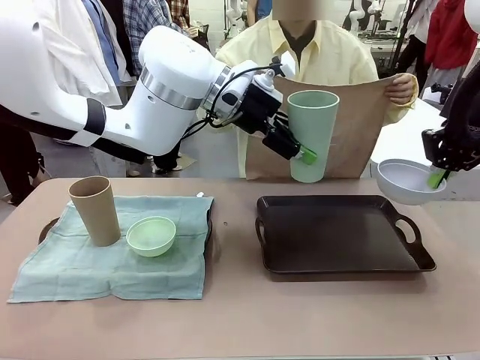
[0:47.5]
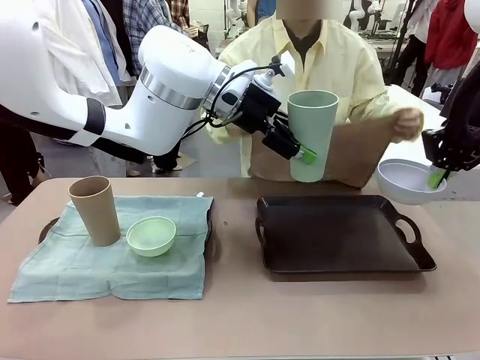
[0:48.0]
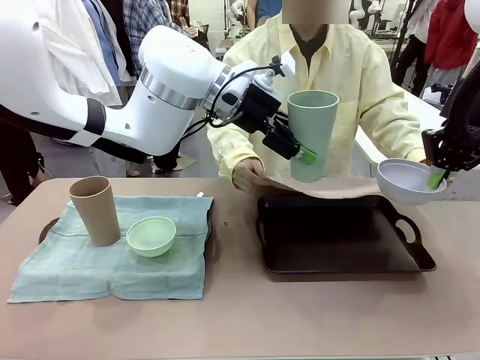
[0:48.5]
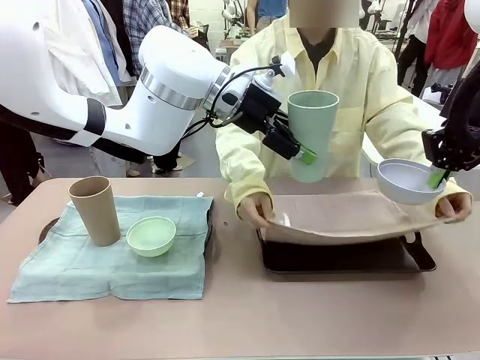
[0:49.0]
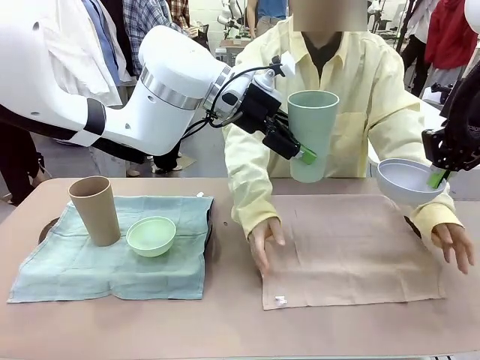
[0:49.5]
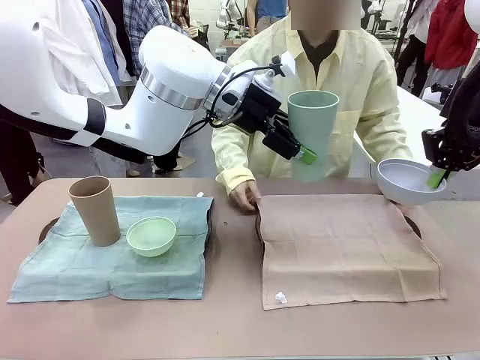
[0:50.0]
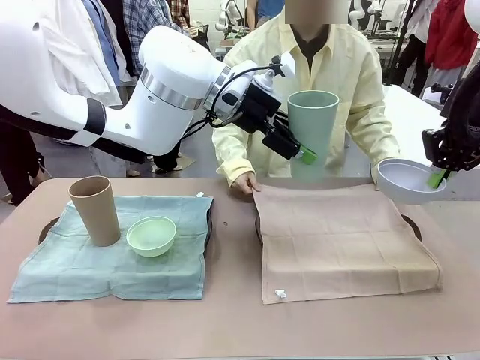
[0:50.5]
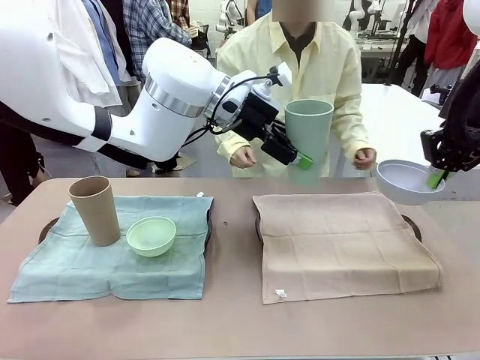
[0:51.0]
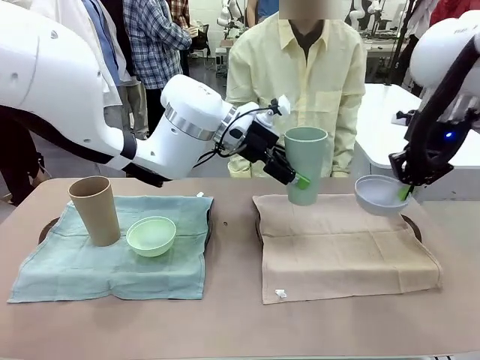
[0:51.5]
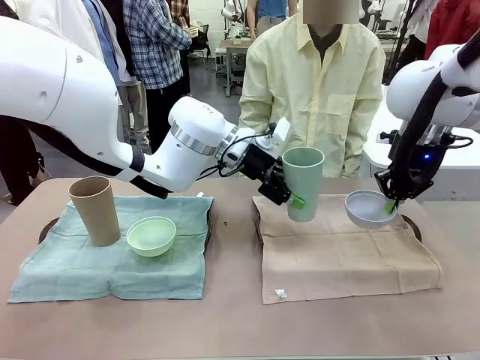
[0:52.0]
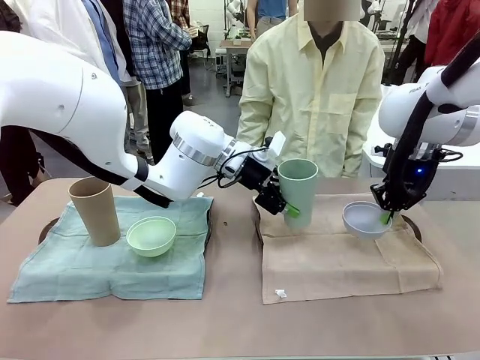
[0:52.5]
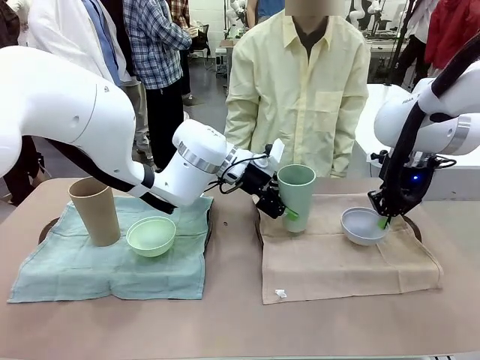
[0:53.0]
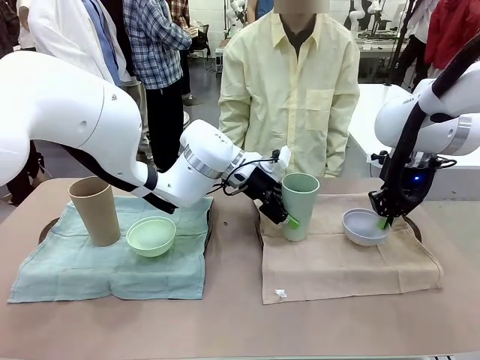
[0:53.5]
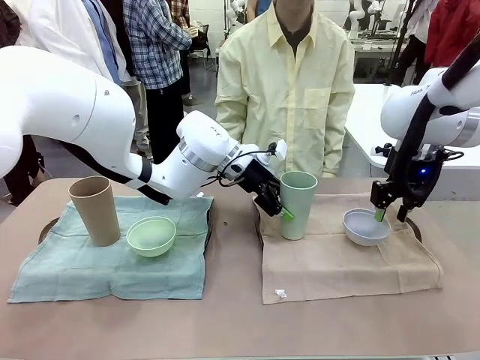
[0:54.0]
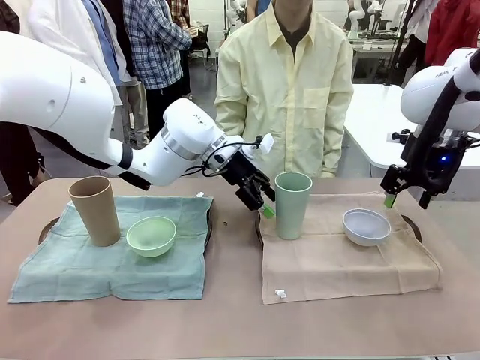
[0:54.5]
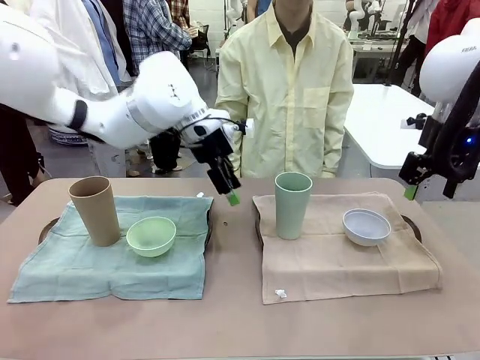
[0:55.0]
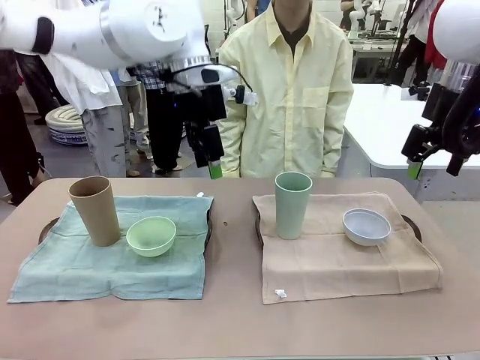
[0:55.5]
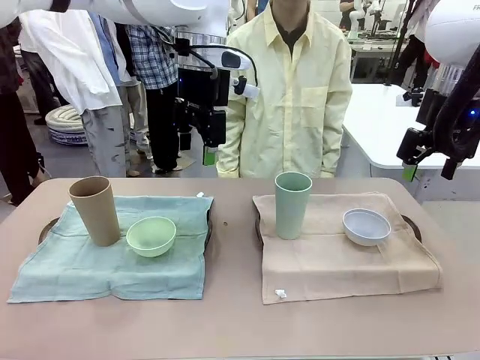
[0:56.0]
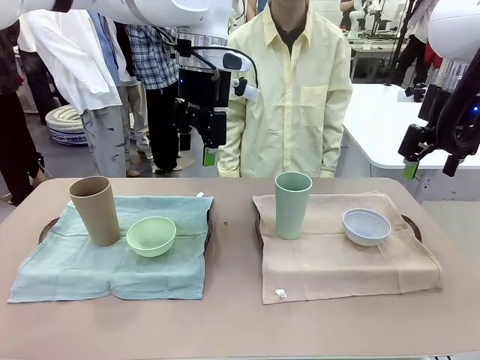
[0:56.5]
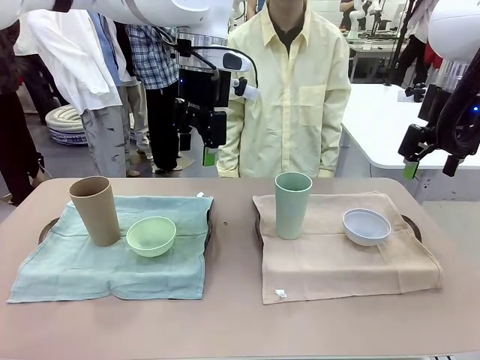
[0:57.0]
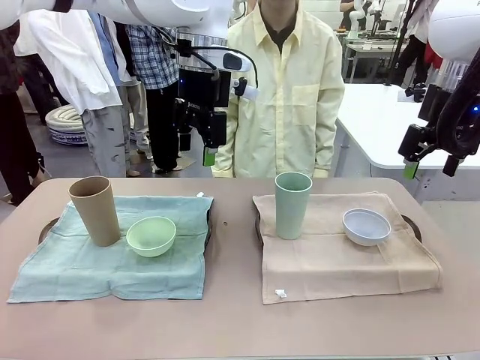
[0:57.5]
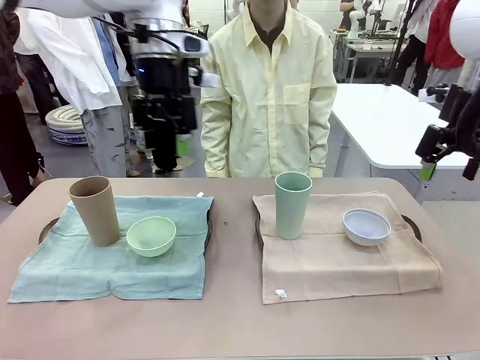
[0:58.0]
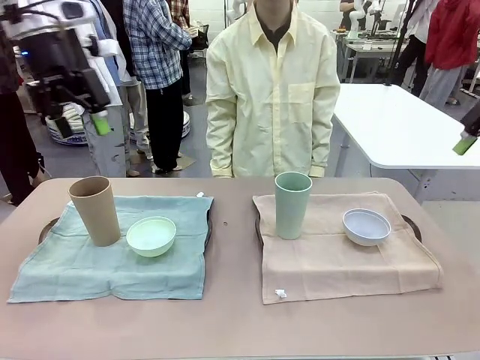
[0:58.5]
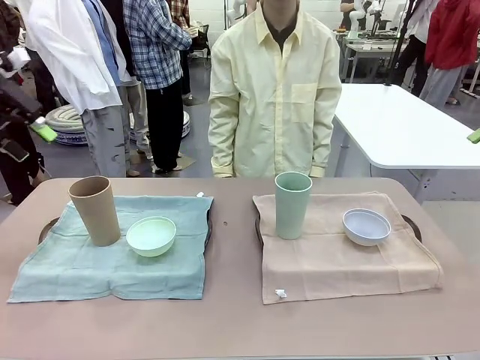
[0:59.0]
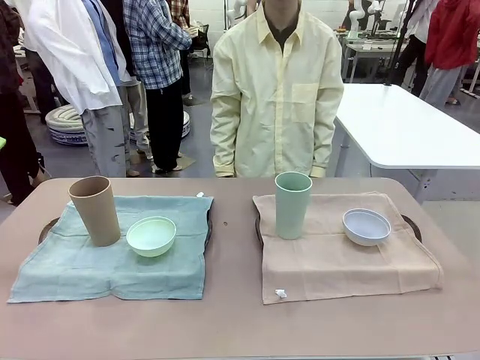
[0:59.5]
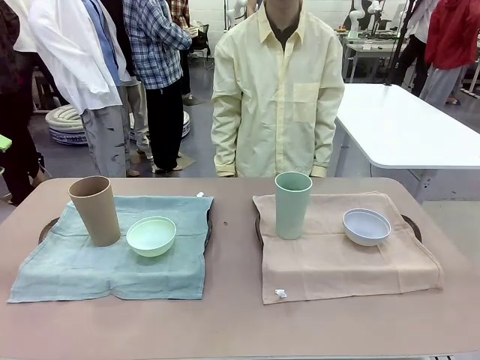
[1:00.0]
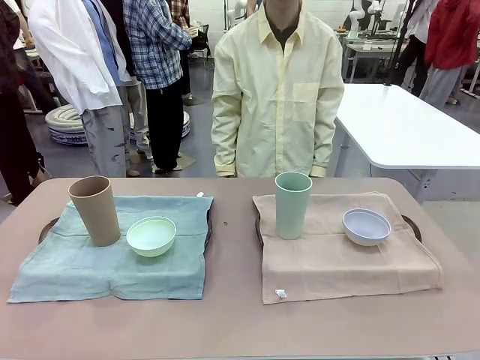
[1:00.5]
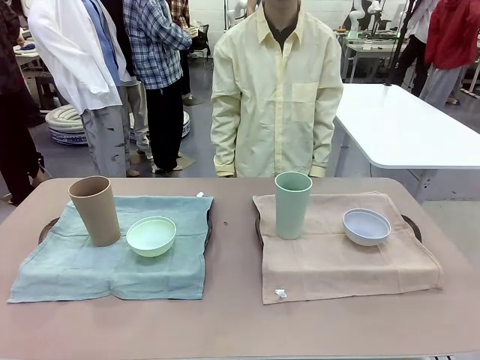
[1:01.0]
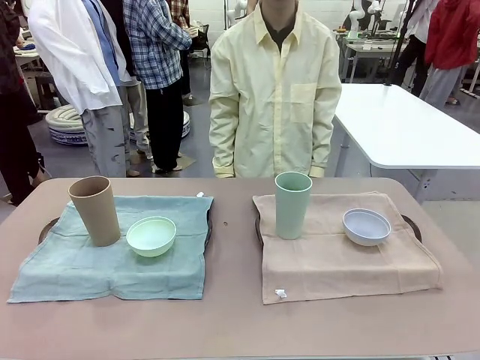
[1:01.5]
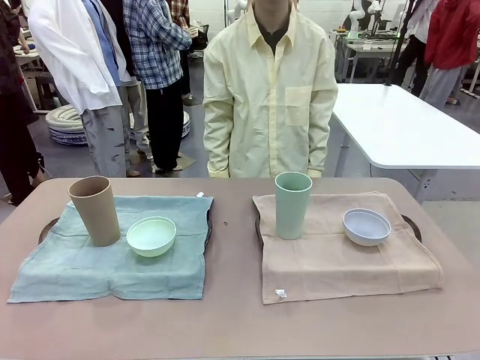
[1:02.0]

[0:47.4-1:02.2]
Robot: Place the Picnic Bowl and Reusable plastic cup back onto the Handle tray in front of the human's position.
Person: When the robot lifts the bowl and the cup, the human unfolds the napkin and lays the napkin flat on the tray.

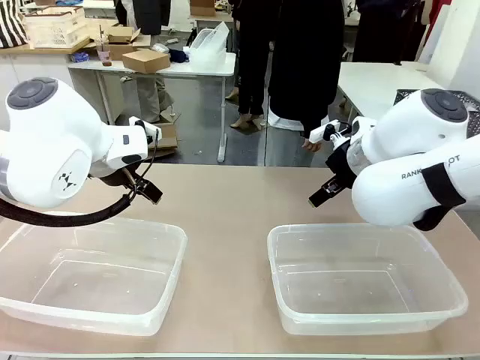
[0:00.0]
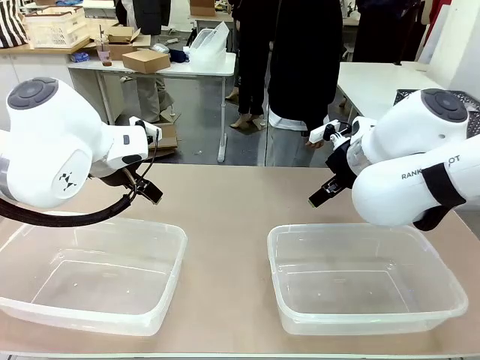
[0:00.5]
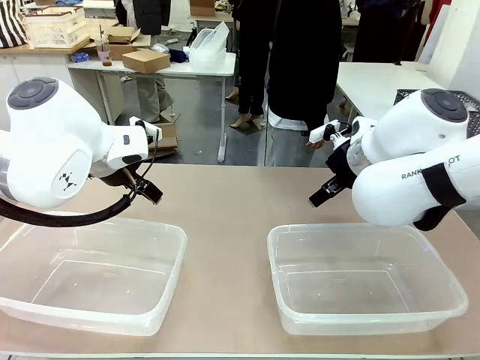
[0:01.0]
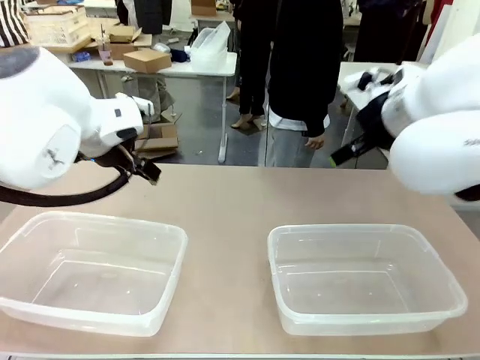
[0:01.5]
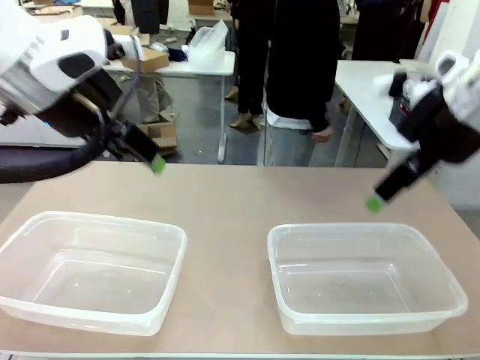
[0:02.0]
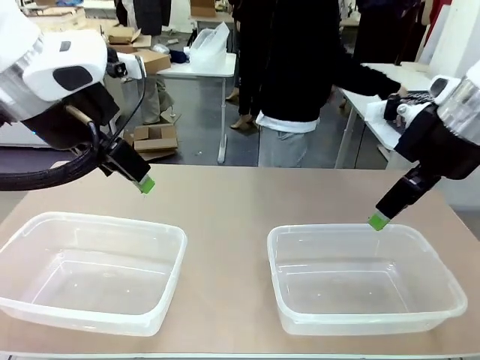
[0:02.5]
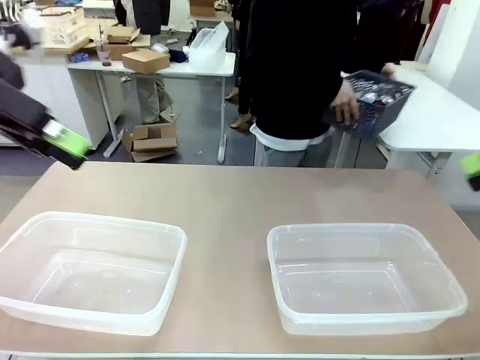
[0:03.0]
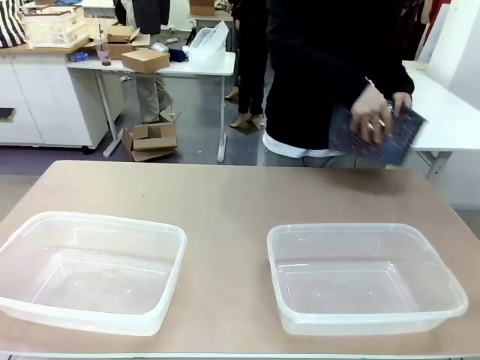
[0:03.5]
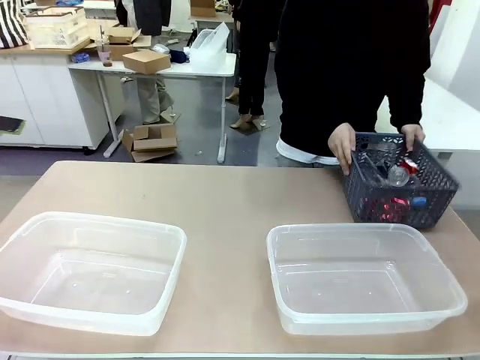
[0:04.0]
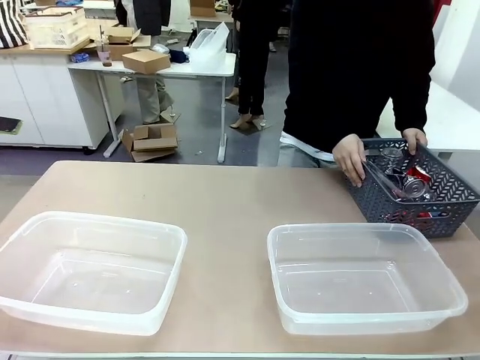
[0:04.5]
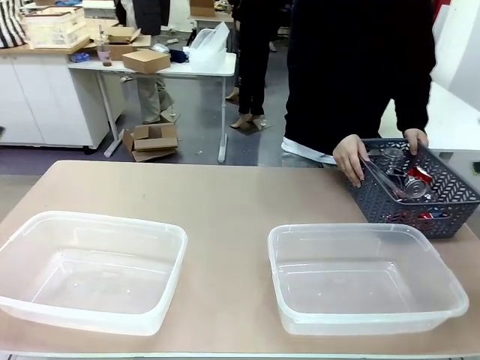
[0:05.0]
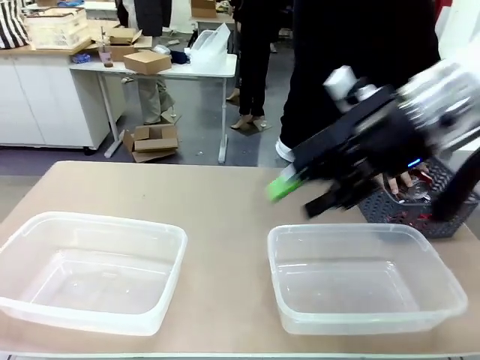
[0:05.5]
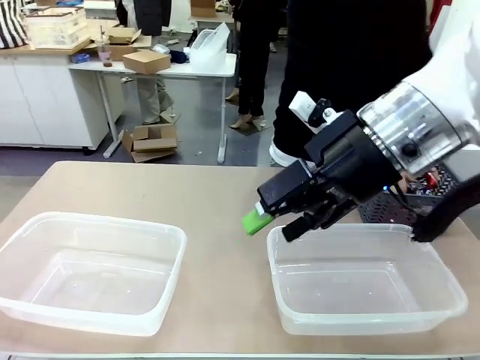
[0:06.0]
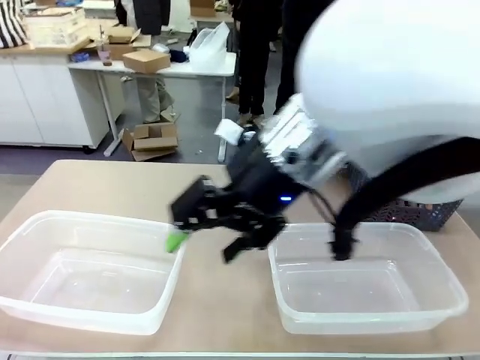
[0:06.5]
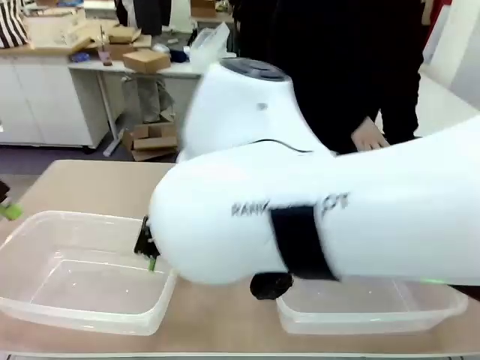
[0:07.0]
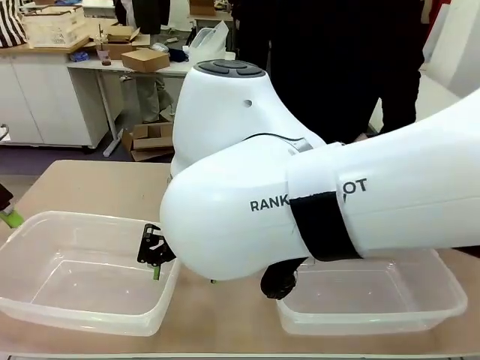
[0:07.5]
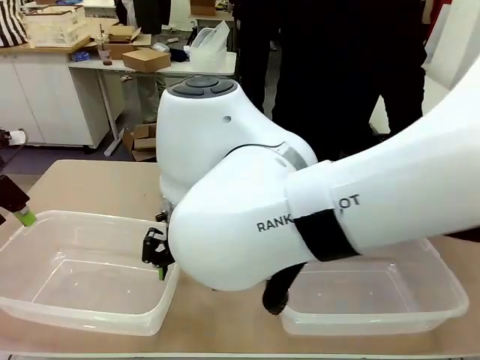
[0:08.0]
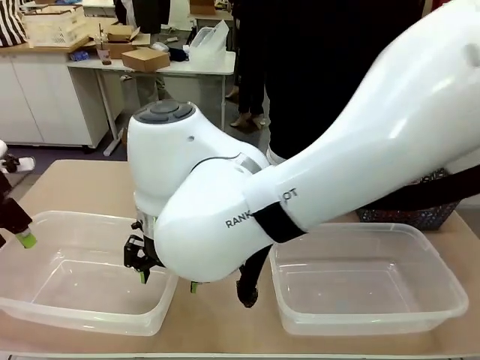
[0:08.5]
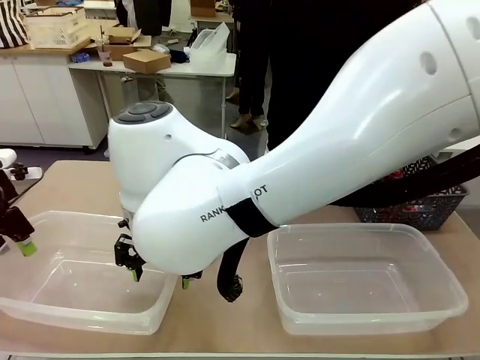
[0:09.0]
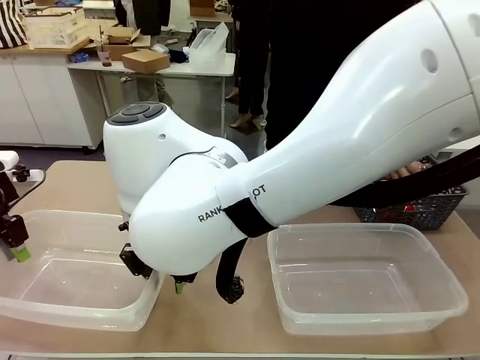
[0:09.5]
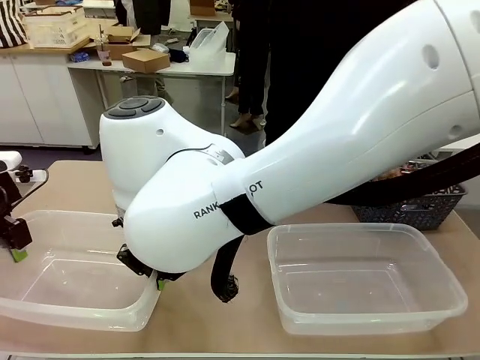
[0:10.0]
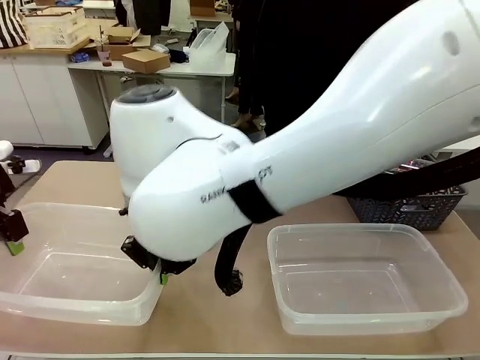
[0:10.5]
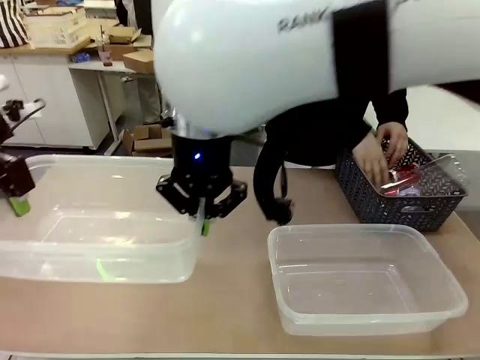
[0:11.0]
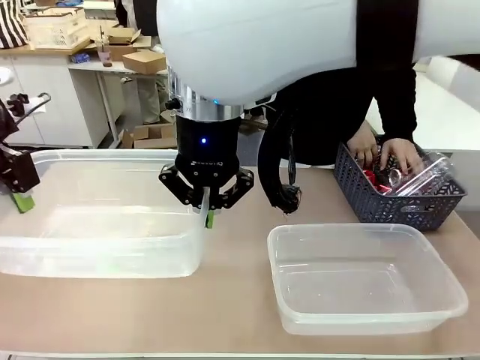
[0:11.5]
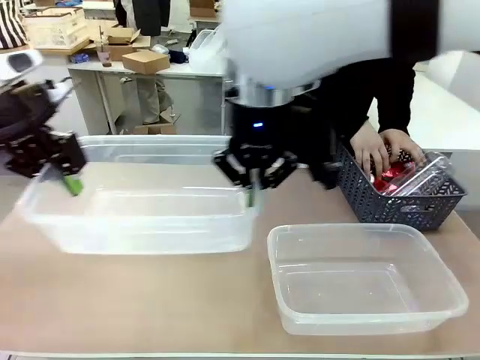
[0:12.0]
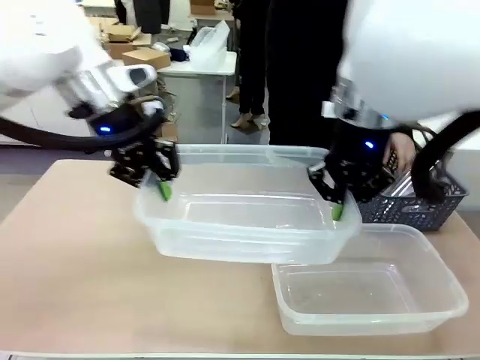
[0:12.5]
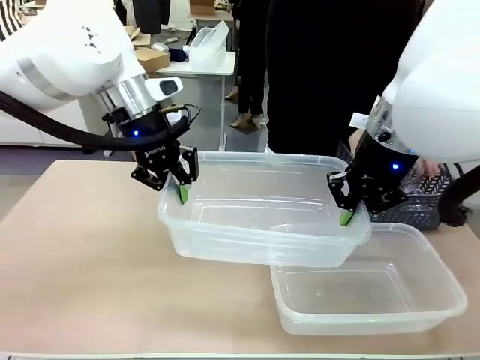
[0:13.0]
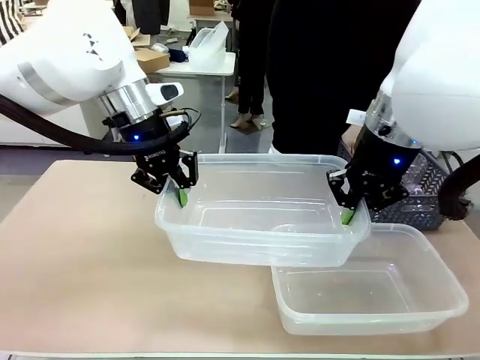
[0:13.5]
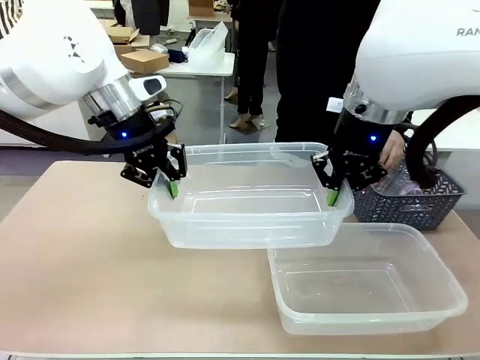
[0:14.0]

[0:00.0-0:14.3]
Robot: Pick up the Organizing box on the left side of the table and lift it.
Person: Pick up the storage basket and place it on the left side of the robot table. Pick up can-shaped waste one by one and place it into the organizing box lifted by the robot.
